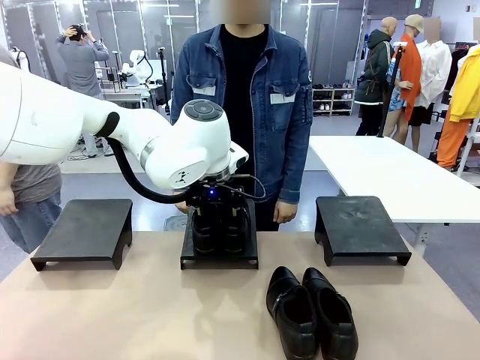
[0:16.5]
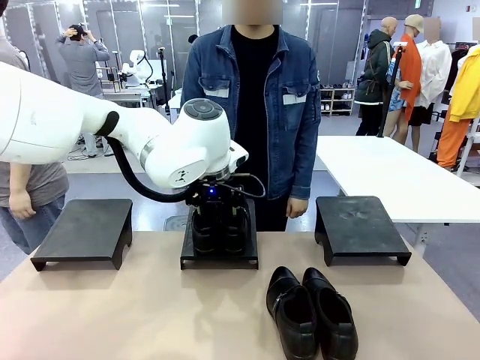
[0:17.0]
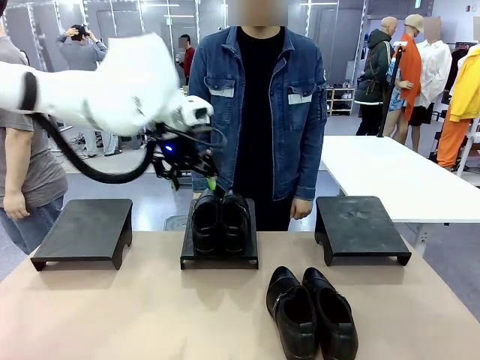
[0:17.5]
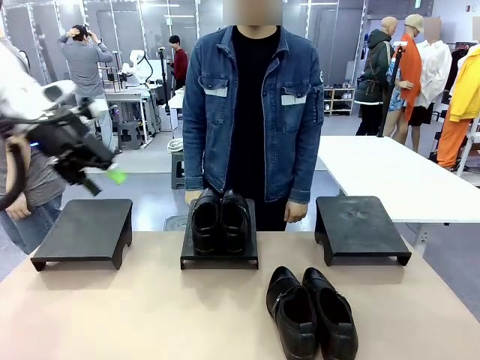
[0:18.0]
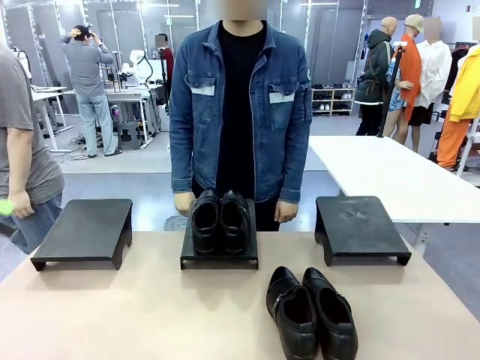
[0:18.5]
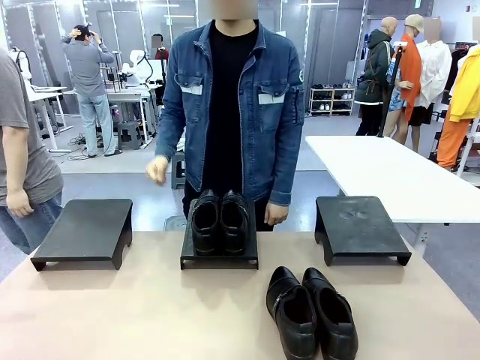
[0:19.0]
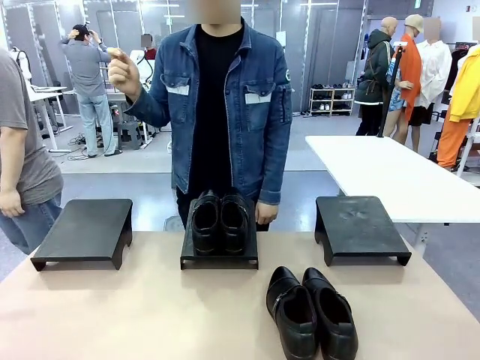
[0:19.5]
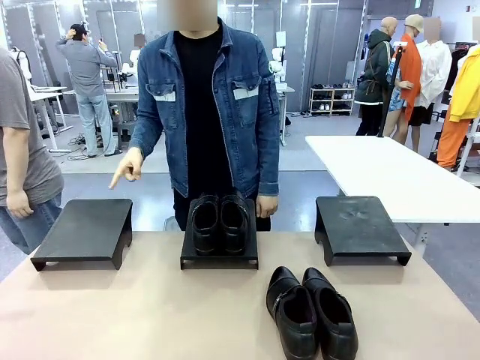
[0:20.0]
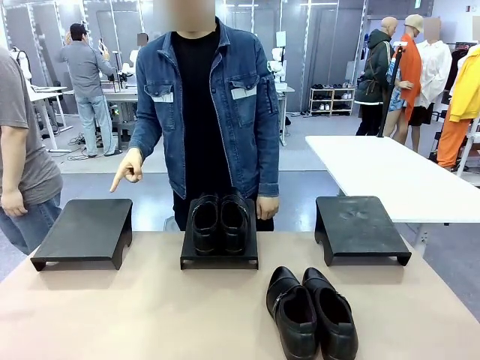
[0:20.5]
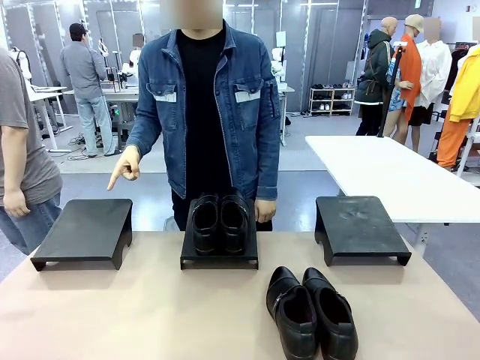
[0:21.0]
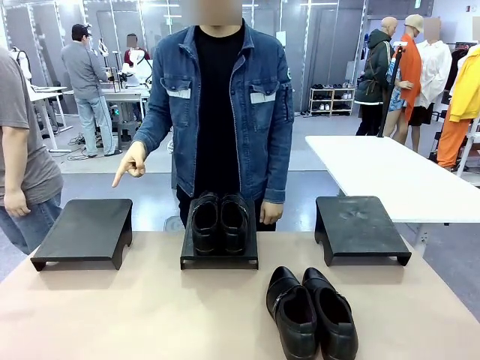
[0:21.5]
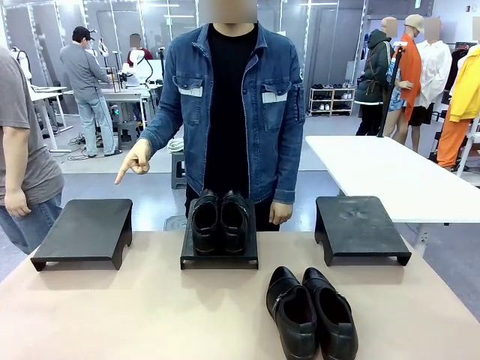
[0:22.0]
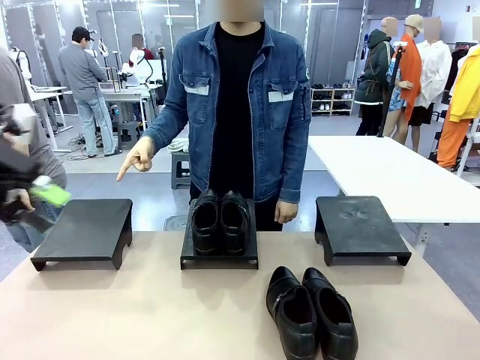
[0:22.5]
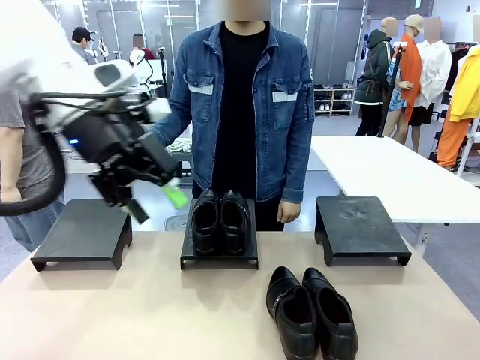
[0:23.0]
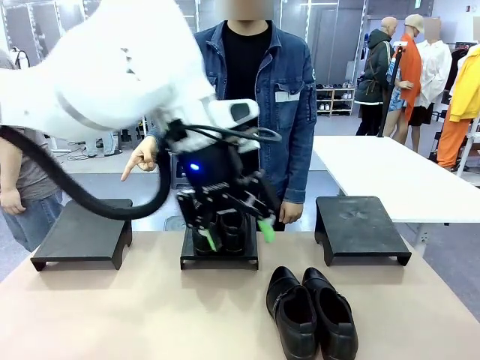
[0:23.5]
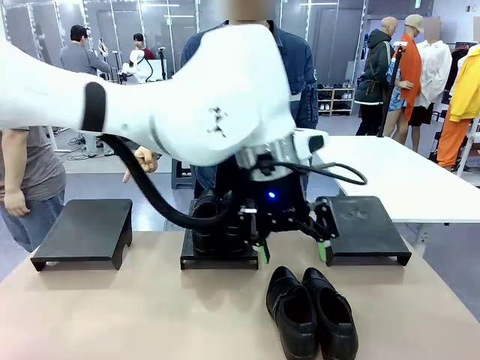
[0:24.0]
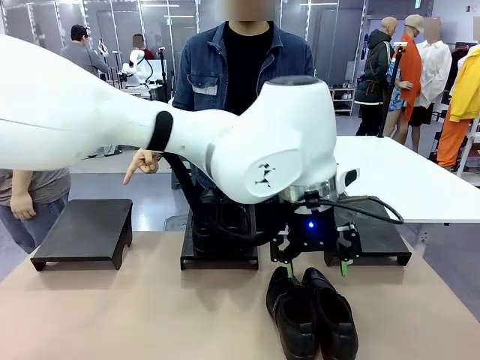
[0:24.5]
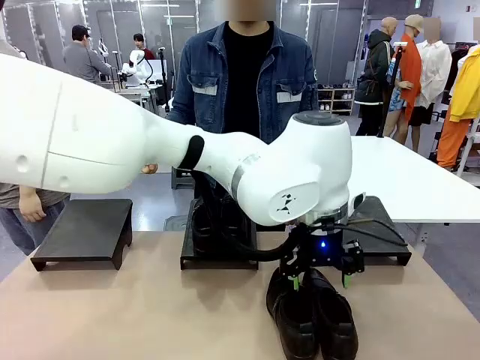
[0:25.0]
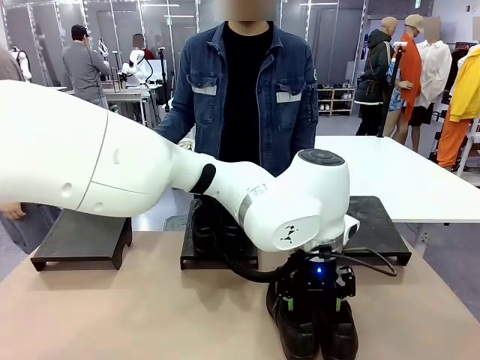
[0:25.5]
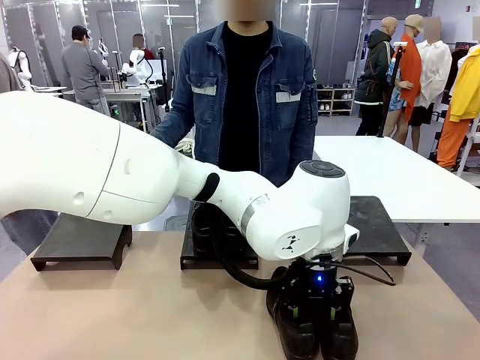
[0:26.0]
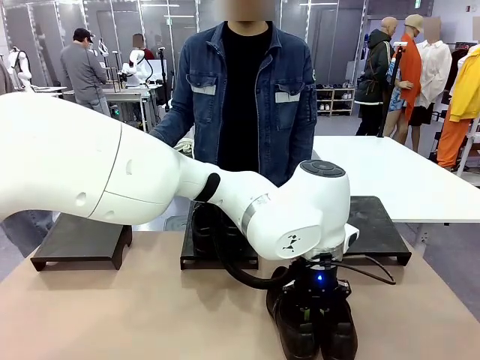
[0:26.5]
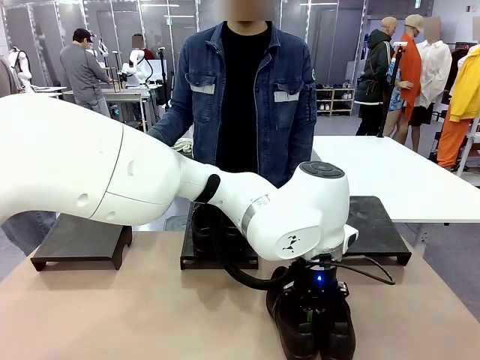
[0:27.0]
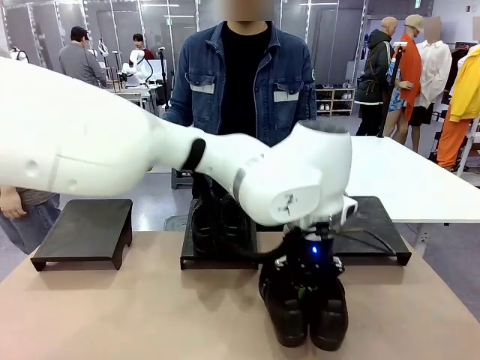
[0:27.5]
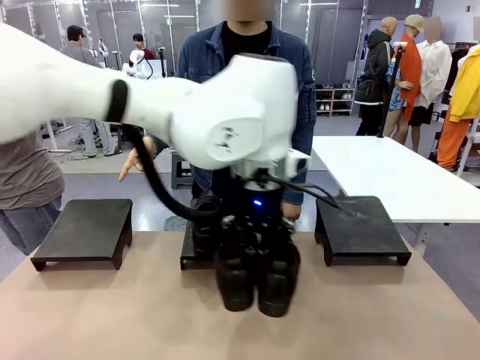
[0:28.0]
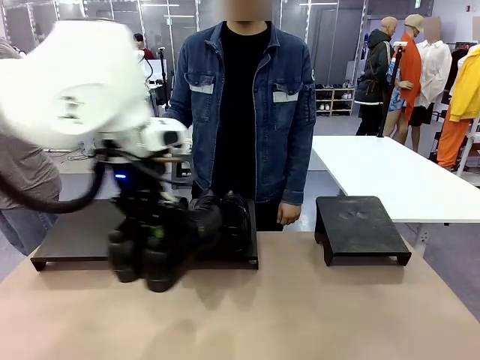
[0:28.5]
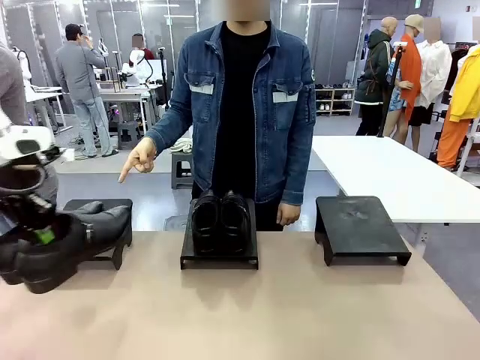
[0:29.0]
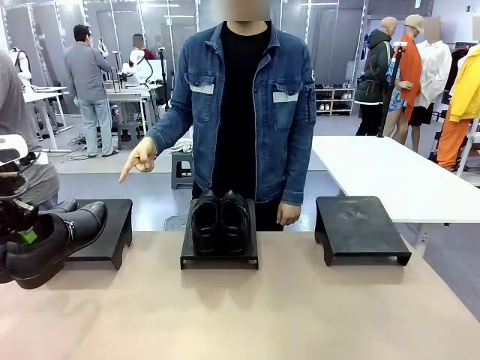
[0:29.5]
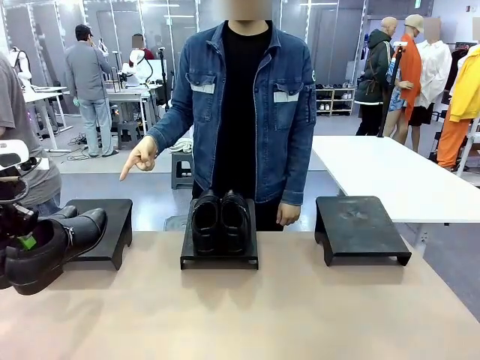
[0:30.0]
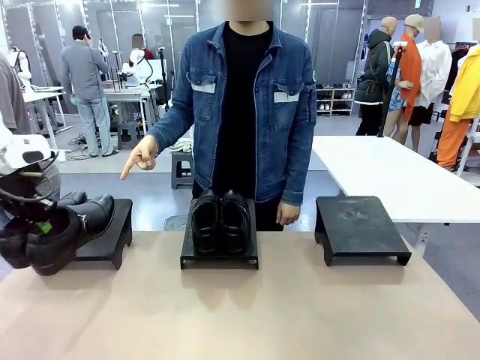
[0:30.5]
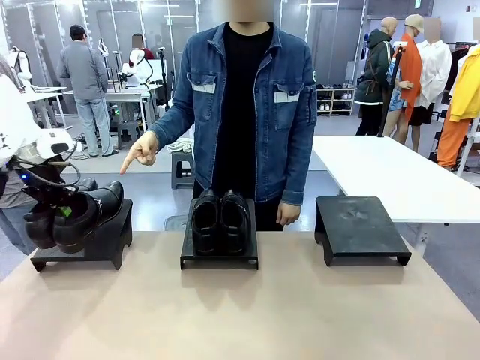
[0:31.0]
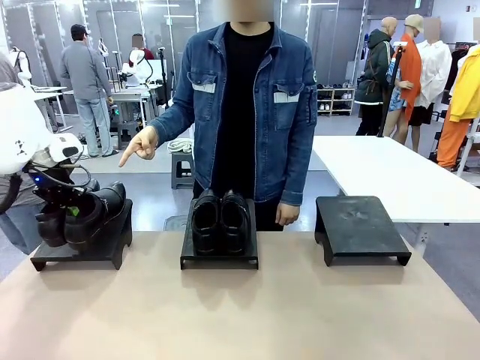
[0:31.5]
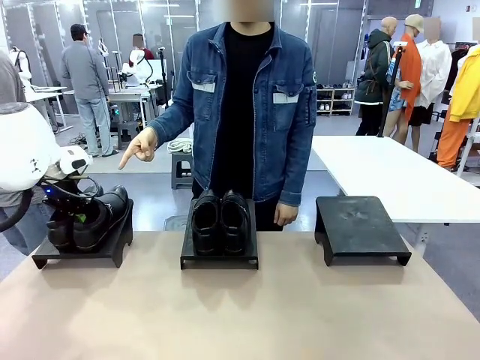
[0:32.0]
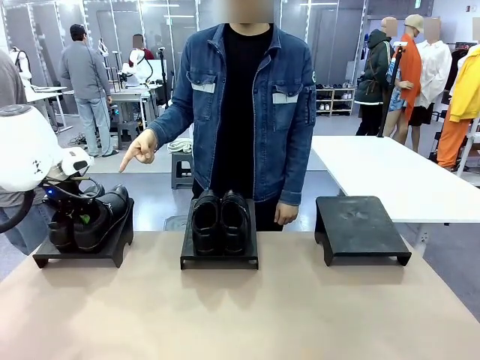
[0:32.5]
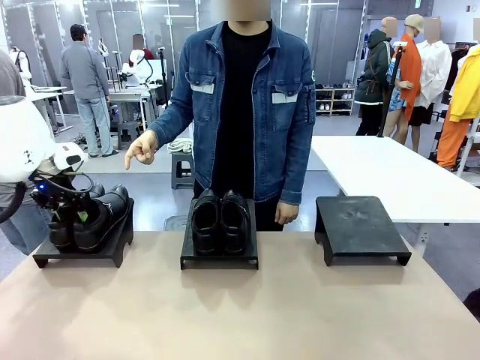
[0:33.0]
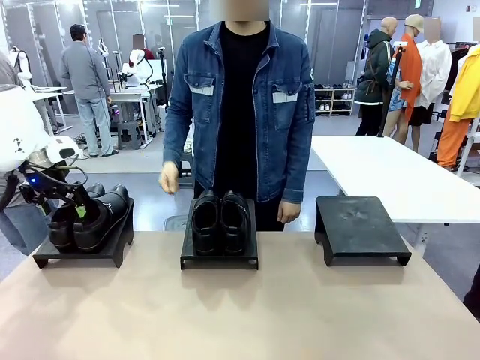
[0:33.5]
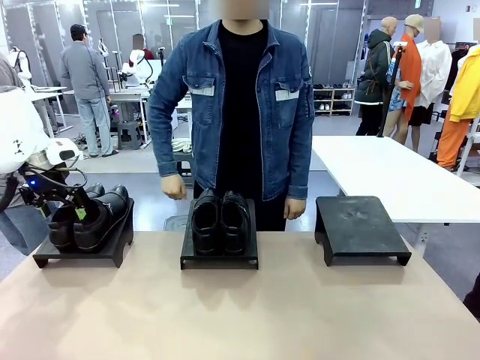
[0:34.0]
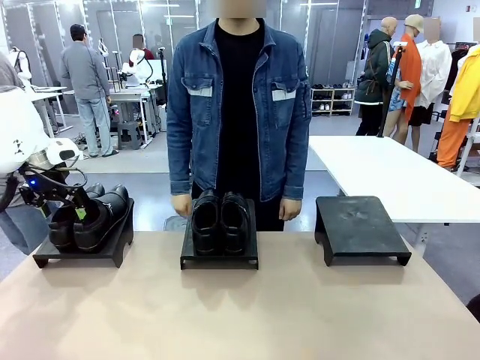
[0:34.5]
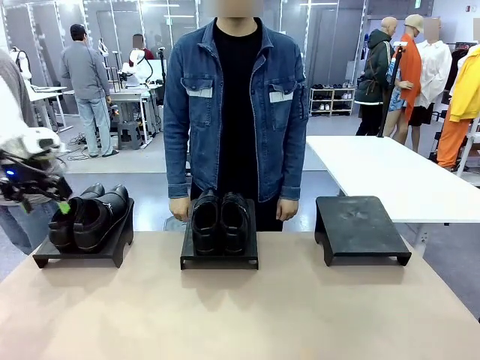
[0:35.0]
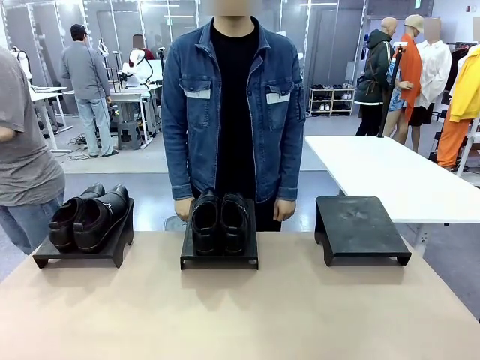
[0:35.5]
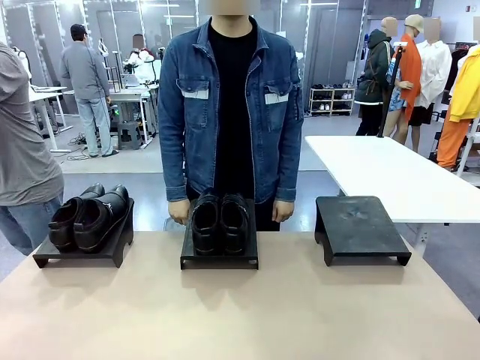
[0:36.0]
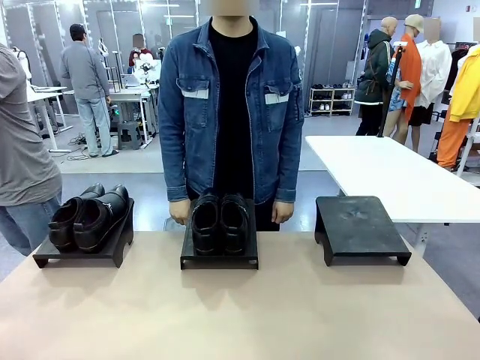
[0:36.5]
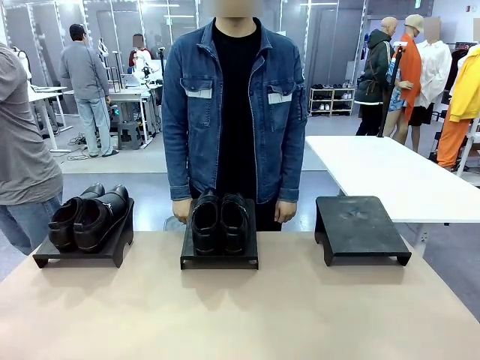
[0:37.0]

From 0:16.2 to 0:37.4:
Task: Place the shoes on the stand as instructed by the person.
Robot: Pick up another pair of Shoes and place it on the Shoes Stand indicated by the person.
Person: Point to one Shoes Stand.

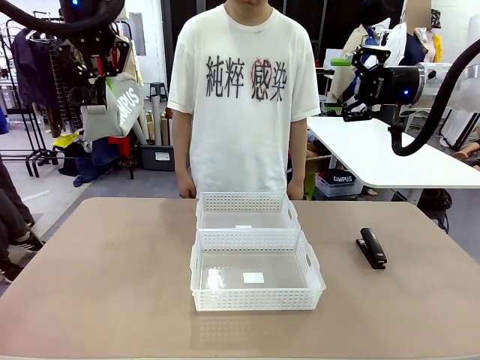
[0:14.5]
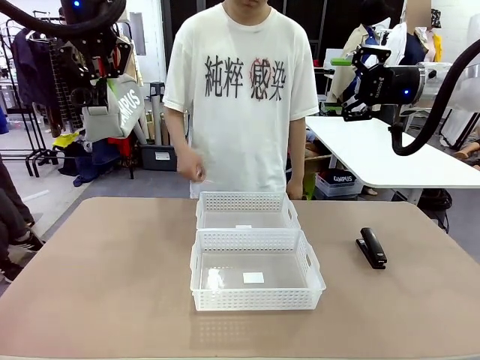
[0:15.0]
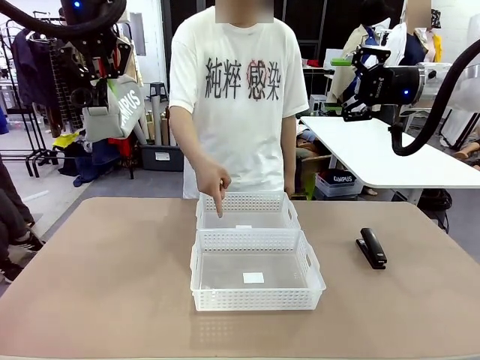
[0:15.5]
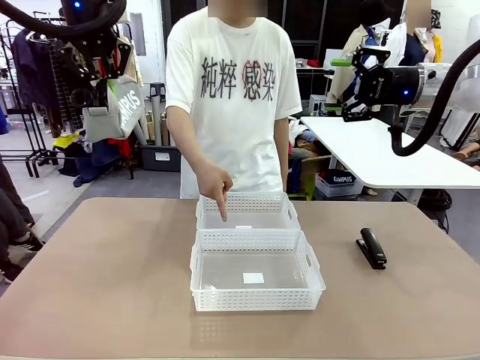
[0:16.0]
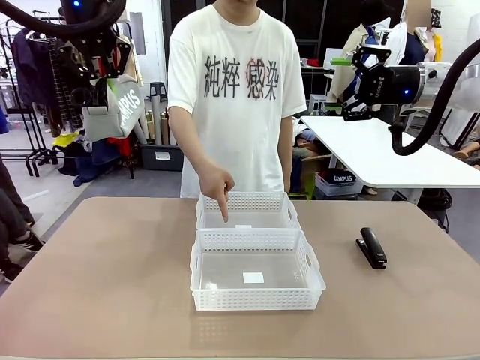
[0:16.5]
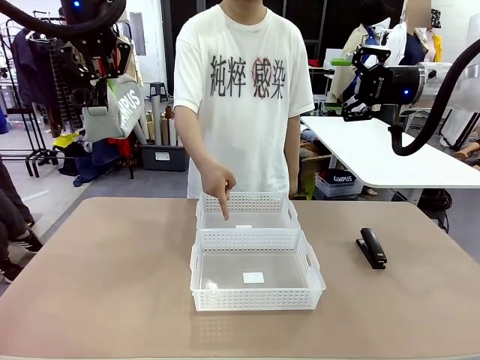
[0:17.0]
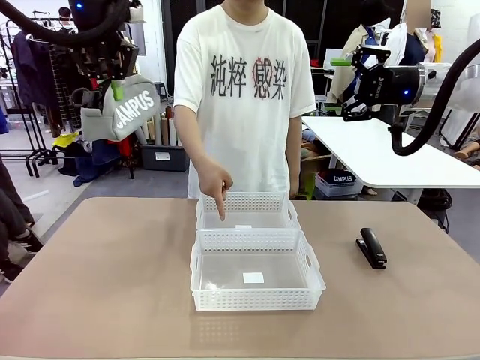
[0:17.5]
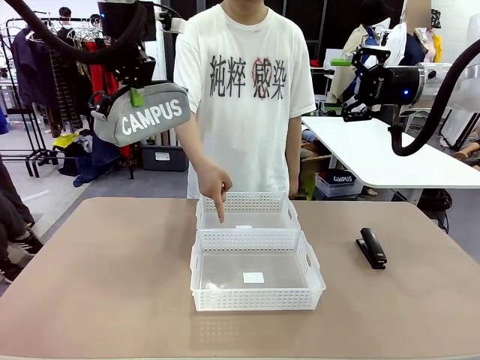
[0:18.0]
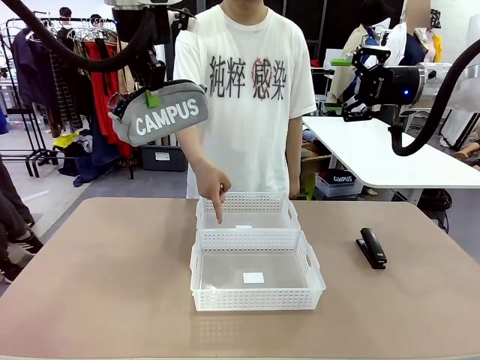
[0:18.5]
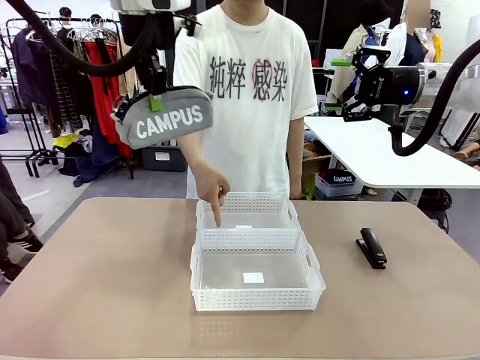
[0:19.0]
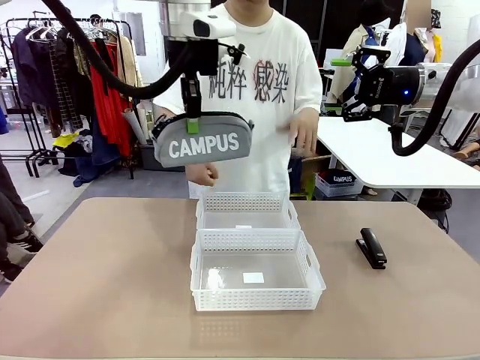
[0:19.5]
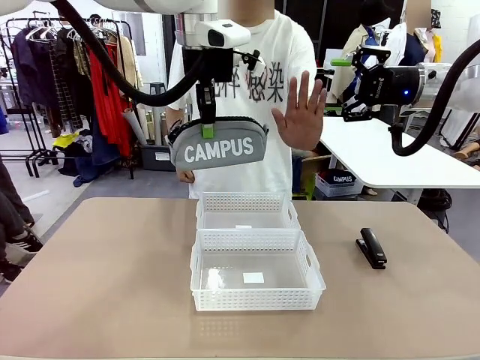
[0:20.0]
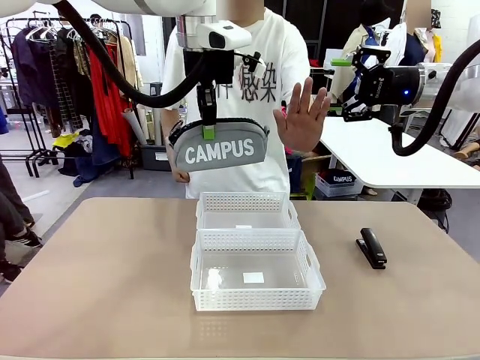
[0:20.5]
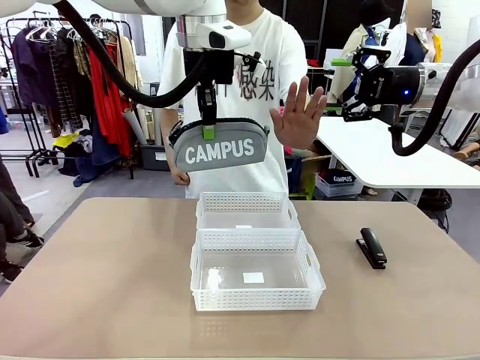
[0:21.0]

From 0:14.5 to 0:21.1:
Task: Distribute items into two baskets.
Robot: Move the picked Pencil pouch towards the Organizing basket indicated by the person, stopping as directed.
Person: Sends a stop gesture before the robot places the pencil case into the basket.
